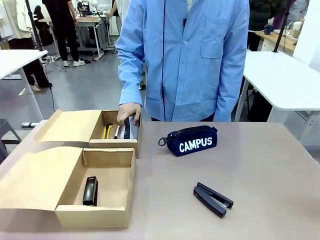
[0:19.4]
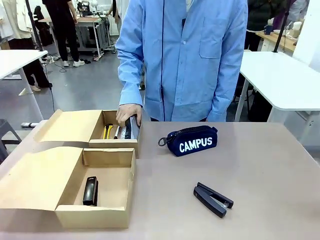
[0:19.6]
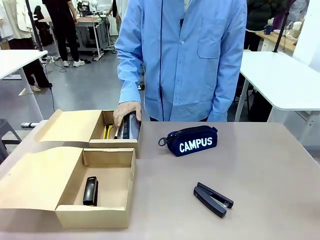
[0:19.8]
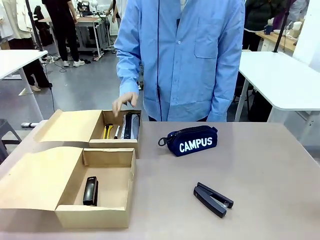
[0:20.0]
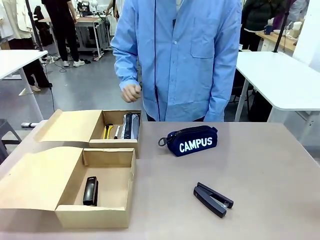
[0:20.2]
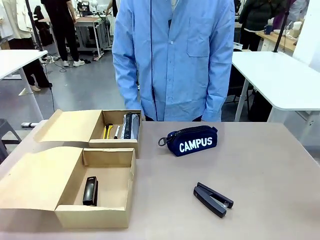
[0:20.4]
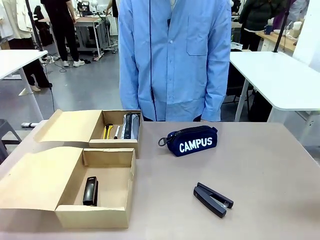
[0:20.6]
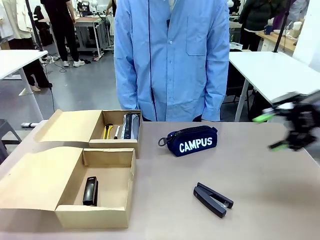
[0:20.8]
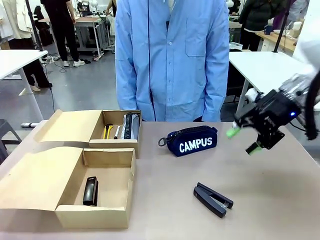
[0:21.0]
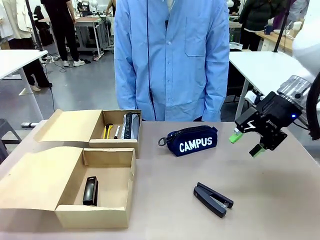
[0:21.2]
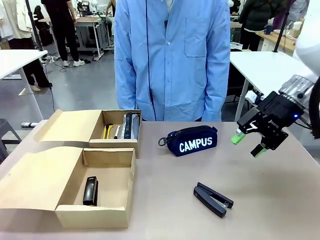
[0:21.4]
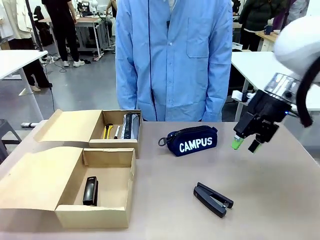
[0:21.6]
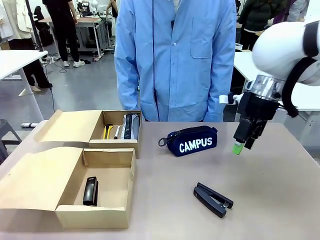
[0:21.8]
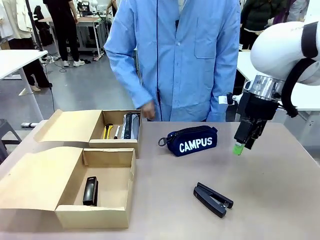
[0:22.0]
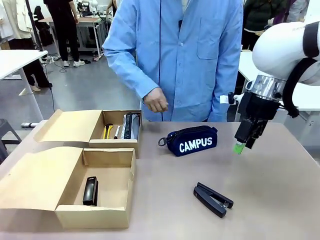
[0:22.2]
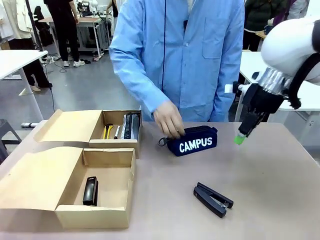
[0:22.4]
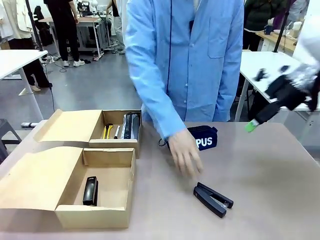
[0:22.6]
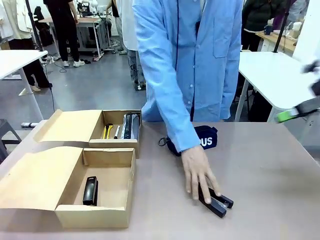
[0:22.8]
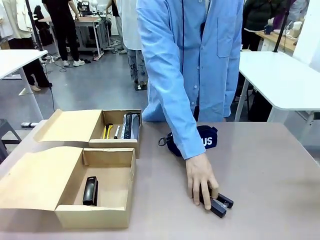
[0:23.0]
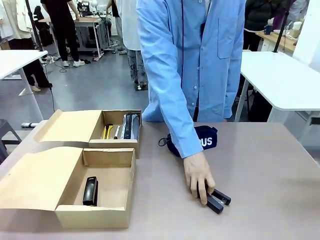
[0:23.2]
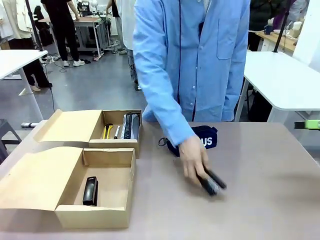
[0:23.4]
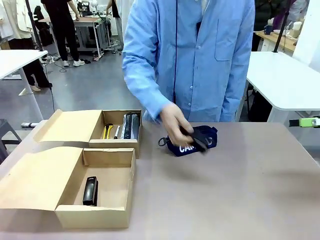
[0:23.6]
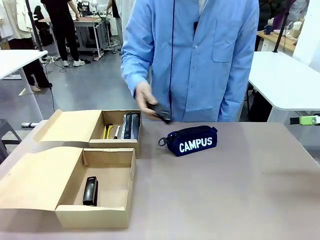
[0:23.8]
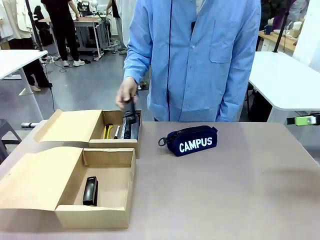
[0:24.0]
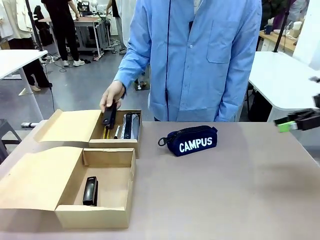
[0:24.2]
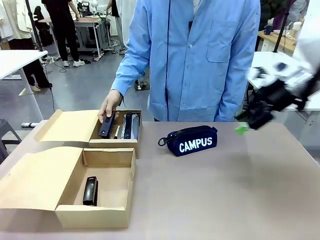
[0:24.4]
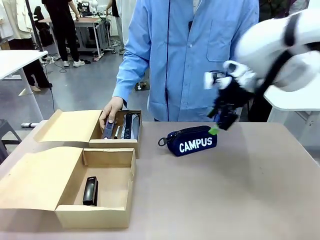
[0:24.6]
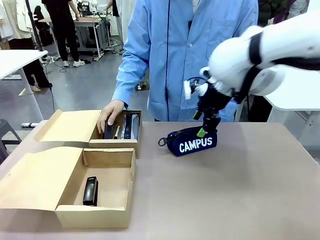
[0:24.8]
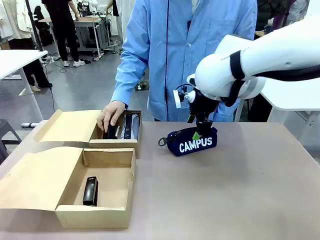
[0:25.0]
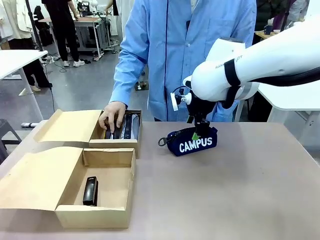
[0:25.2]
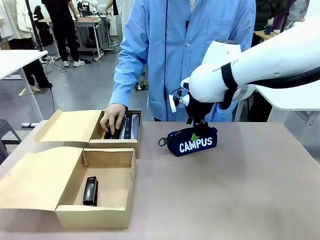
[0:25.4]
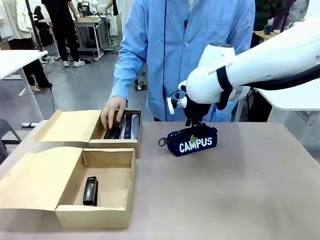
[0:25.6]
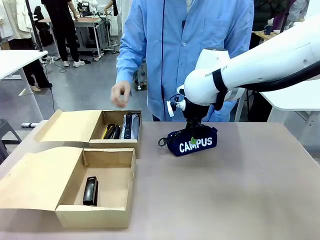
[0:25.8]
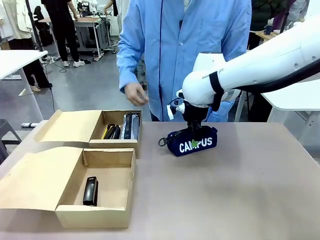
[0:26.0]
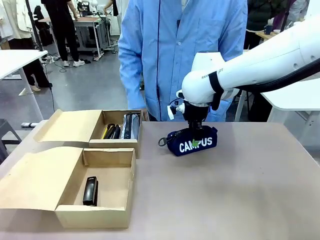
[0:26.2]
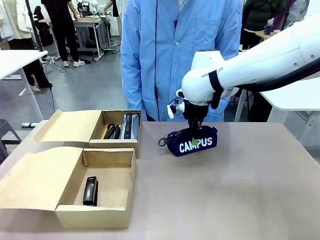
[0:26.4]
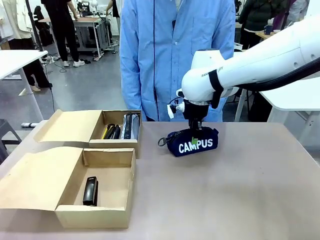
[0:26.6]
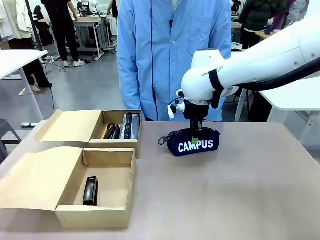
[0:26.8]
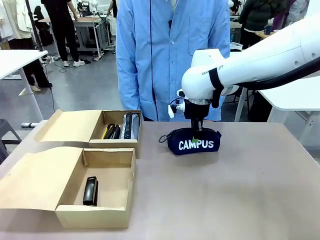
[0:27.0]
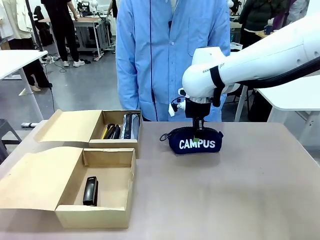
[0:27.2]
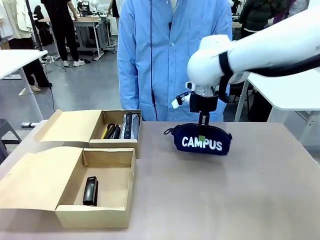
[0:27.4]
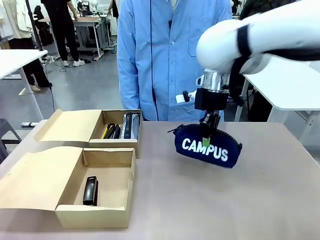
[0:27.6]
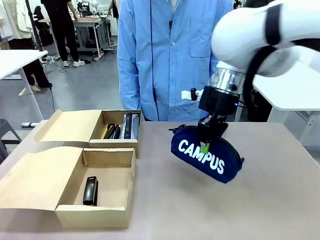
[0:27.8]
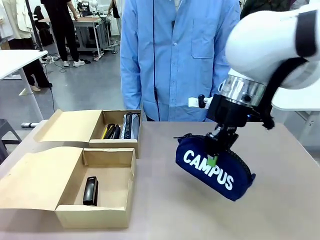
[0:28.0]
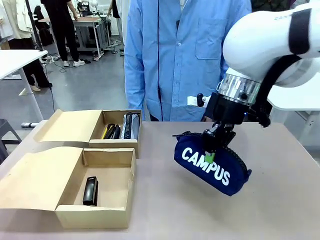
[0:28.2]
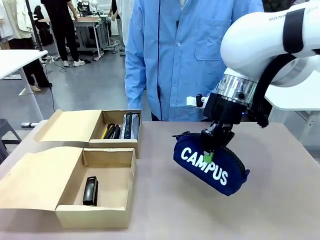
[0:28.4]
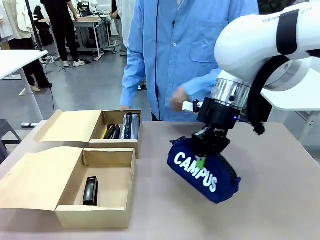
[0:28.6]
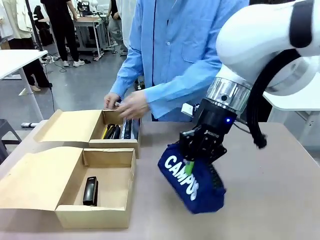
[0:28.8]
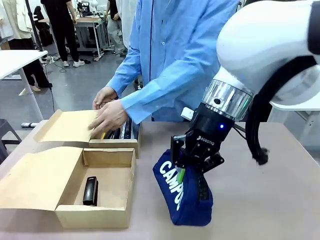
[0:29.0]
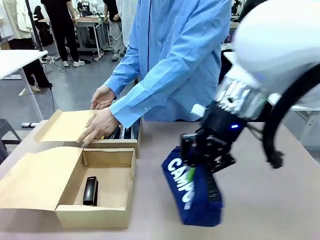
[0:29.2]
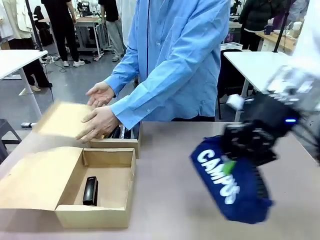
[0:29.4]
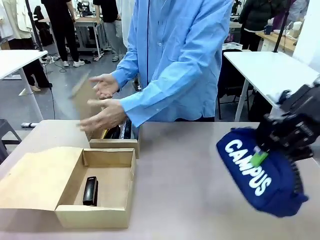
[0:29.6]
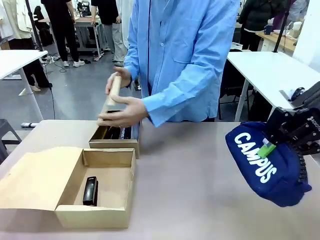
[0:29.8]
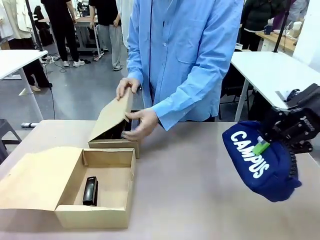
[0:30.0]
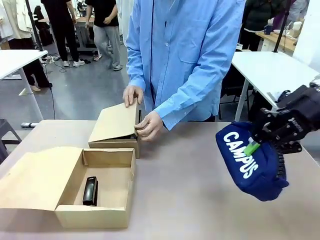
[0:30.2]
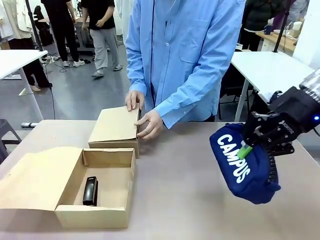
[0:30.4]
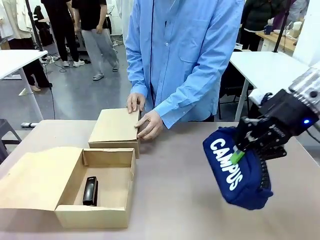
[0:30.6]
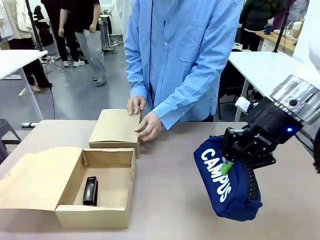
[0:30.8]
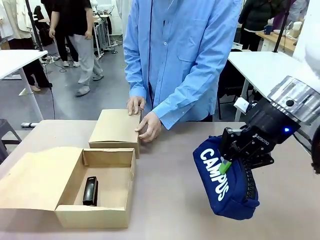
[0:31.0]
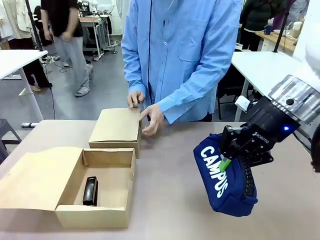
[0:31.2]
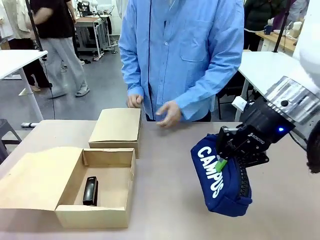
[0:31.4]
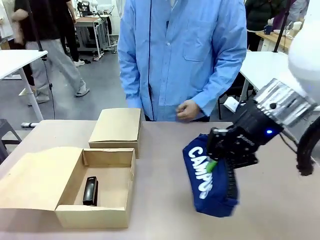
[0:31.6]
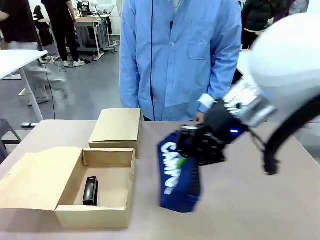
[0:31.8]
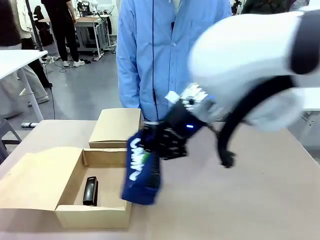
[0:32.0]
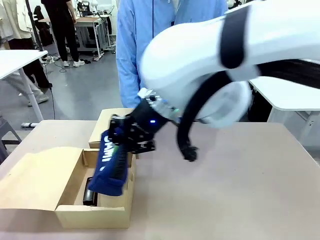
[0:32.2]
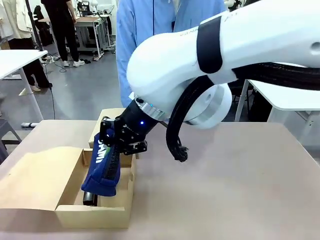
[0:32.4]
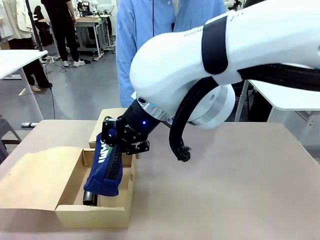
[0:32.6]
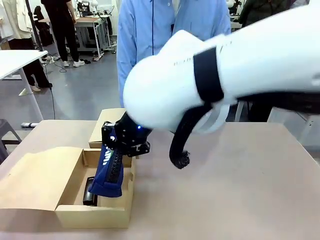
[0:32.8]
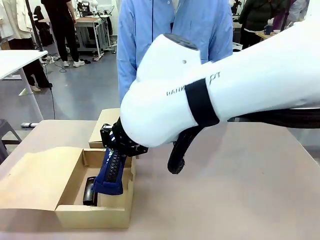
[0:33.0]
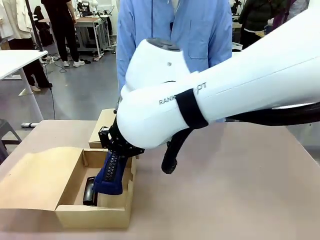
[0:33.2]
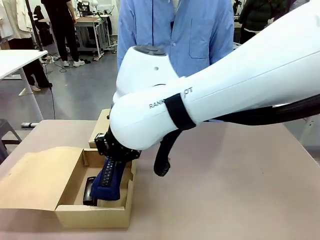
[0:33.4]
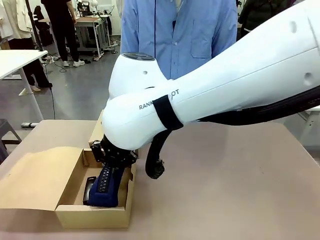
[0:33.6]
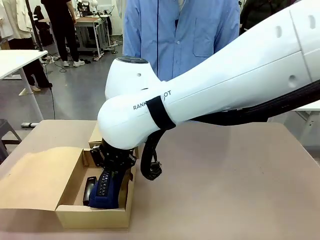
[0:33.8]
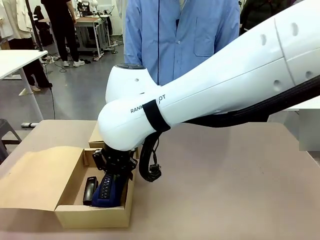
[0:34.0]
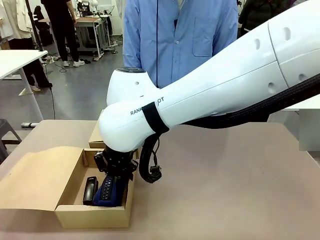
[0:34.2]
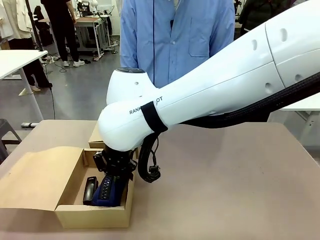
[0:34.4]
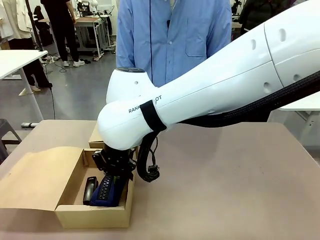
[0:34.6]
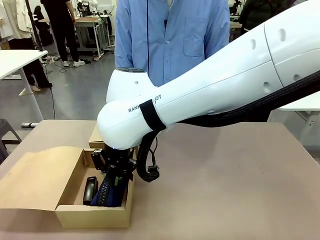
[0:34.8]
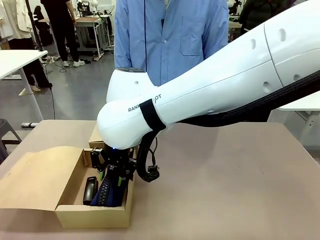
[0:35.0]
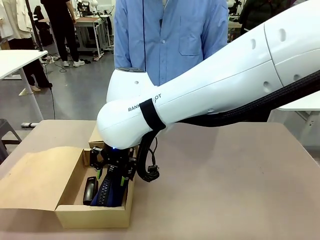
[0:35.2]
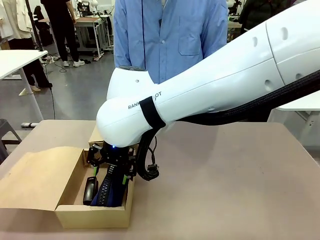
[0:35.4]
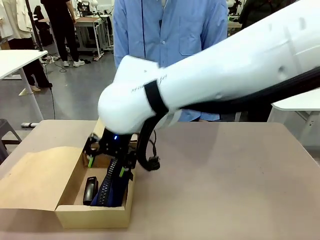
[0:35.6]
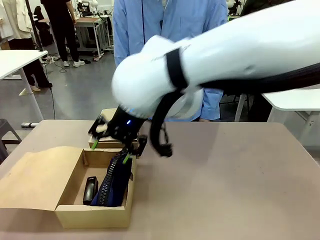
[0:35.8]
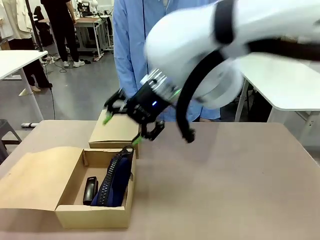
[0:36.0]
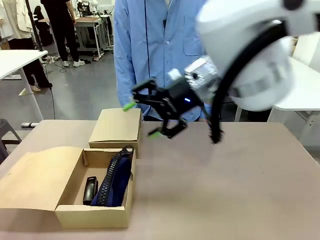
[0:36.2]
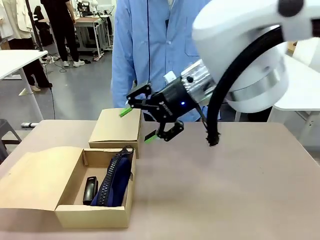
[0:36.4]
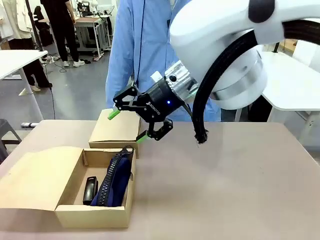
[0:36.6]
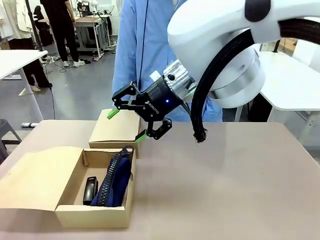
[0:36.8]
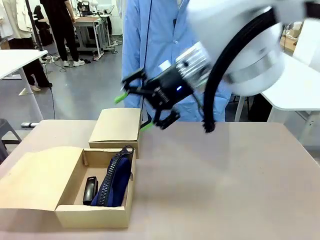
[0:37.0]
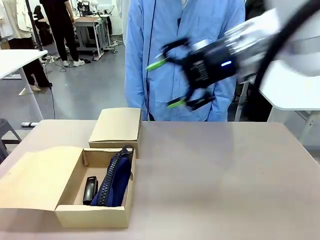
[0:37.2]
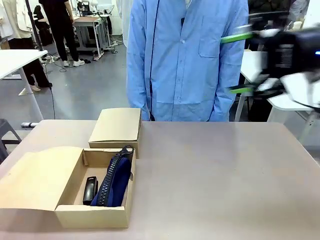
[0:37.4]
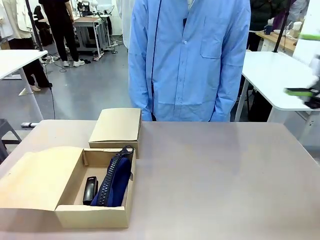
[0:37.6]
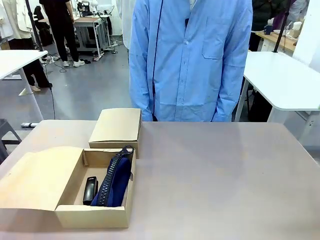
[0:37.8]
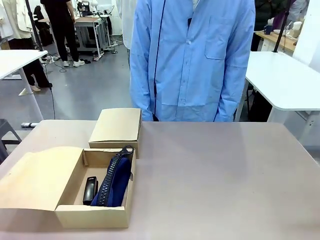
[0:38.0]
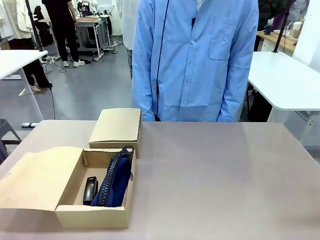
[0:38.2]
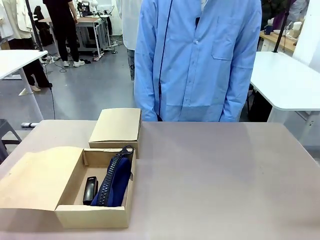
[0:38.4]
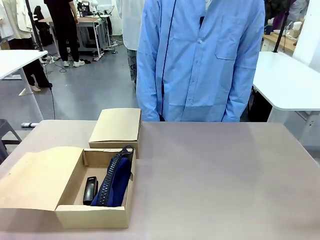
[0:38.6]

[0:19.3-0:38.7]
Task: Place items inside the box.
Robot: Pick up a Pencil pouch or Stapler and place it inside the Mailer Box closest to the robot.
Person: Close the lid of the box facing the person.
